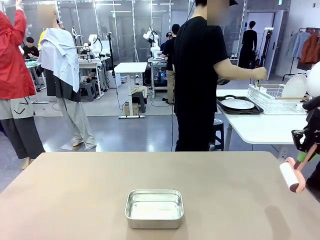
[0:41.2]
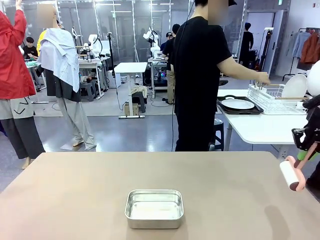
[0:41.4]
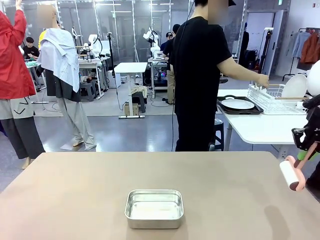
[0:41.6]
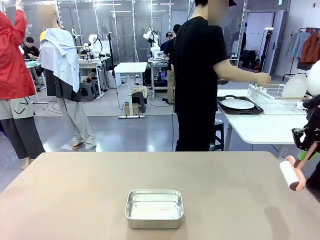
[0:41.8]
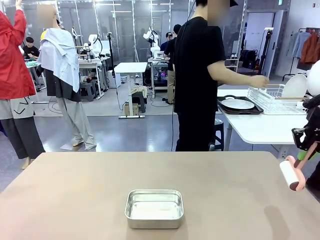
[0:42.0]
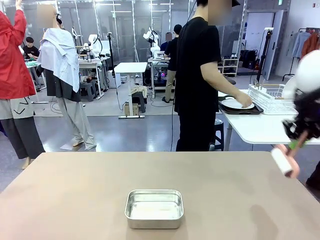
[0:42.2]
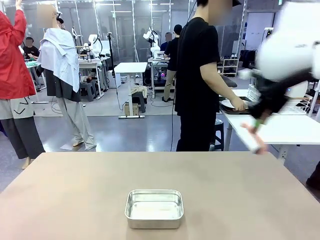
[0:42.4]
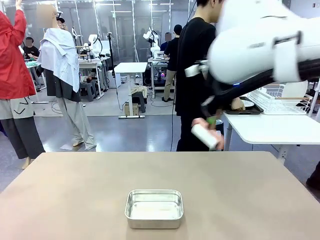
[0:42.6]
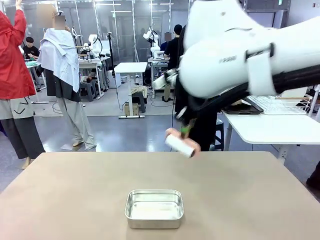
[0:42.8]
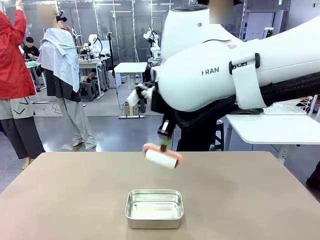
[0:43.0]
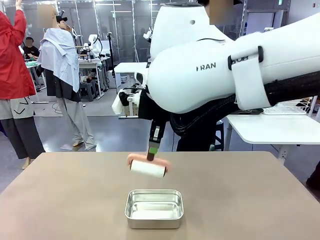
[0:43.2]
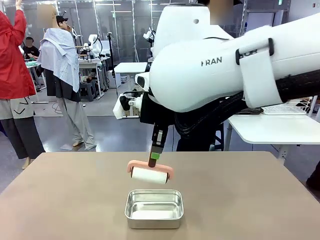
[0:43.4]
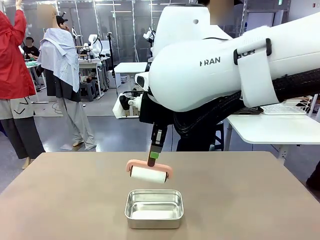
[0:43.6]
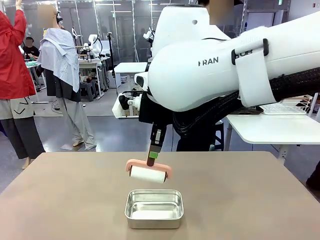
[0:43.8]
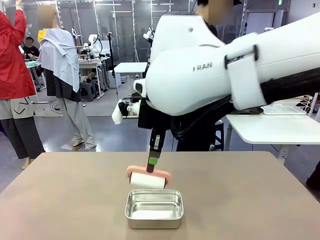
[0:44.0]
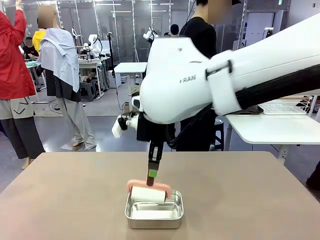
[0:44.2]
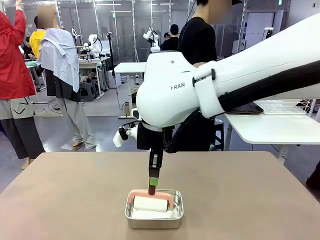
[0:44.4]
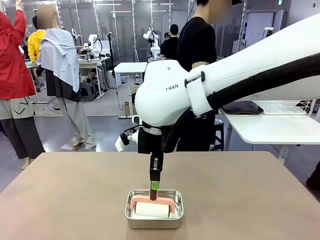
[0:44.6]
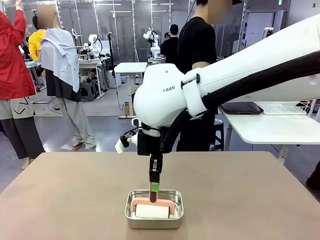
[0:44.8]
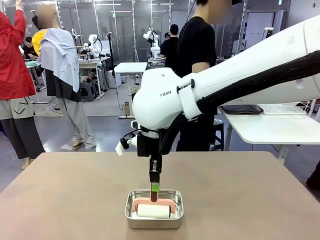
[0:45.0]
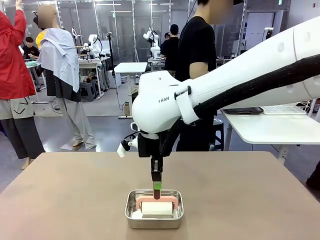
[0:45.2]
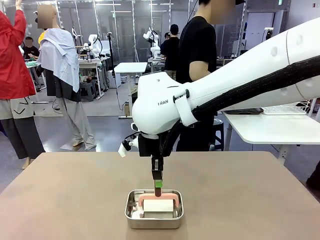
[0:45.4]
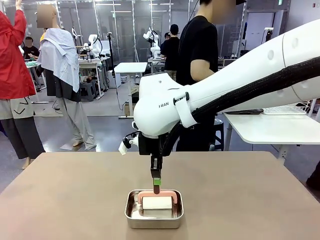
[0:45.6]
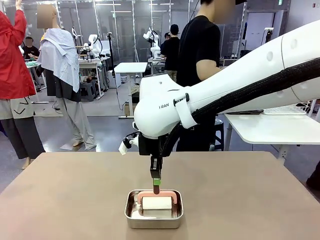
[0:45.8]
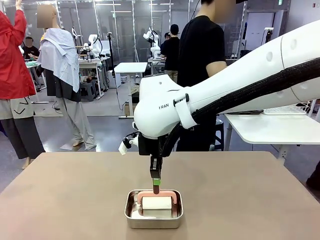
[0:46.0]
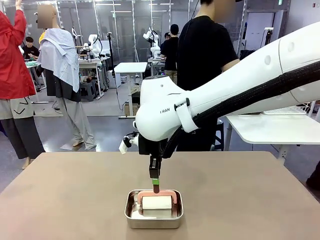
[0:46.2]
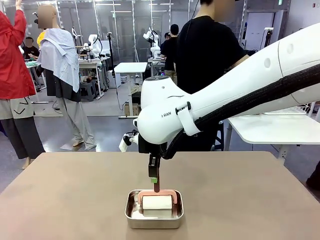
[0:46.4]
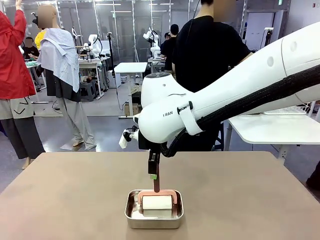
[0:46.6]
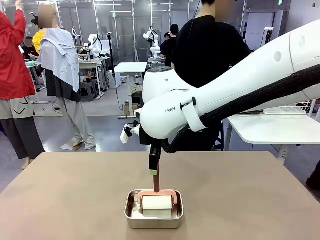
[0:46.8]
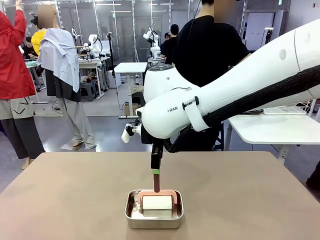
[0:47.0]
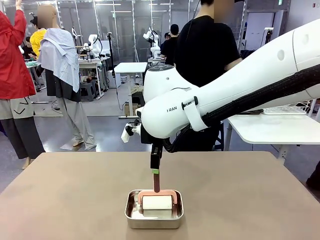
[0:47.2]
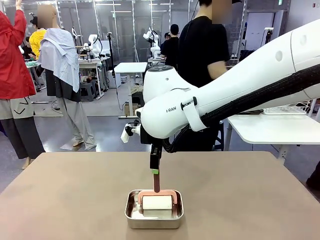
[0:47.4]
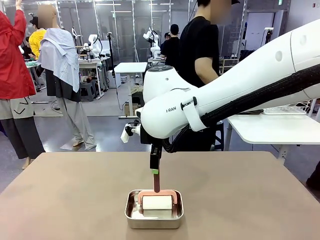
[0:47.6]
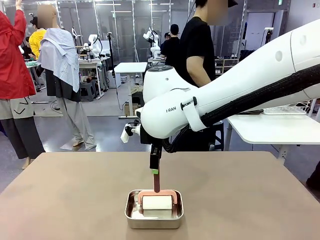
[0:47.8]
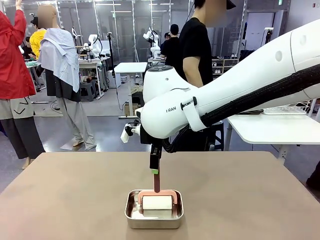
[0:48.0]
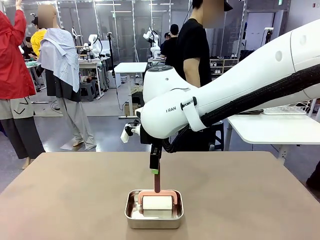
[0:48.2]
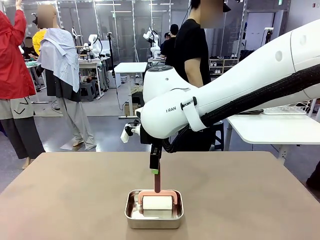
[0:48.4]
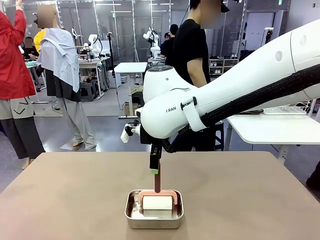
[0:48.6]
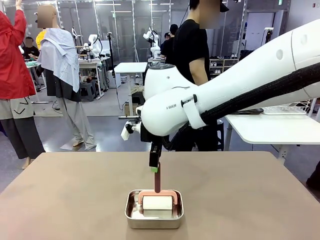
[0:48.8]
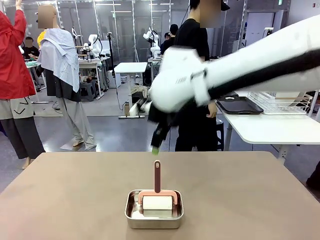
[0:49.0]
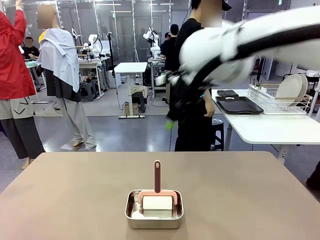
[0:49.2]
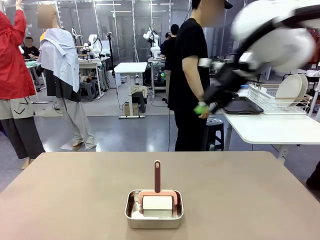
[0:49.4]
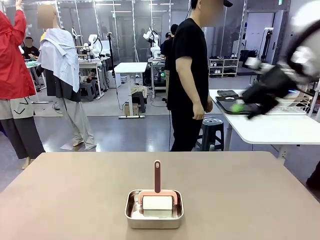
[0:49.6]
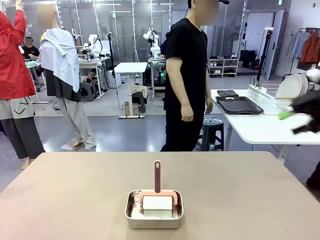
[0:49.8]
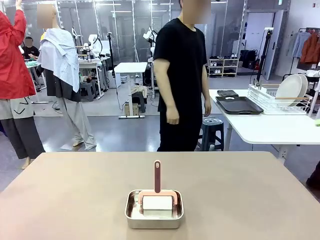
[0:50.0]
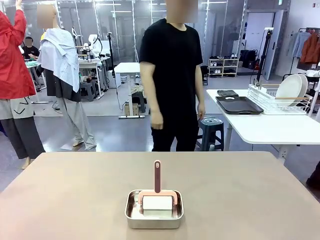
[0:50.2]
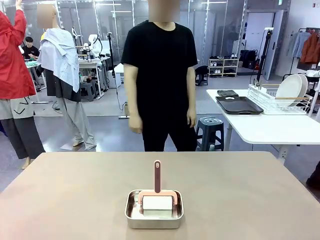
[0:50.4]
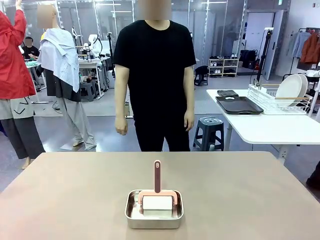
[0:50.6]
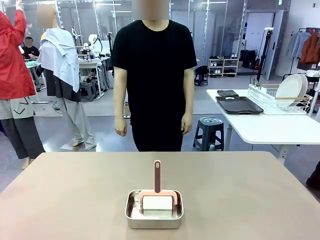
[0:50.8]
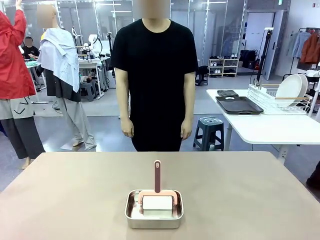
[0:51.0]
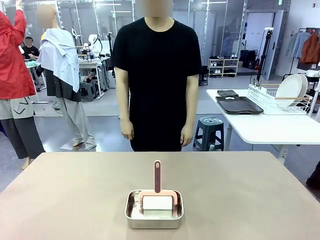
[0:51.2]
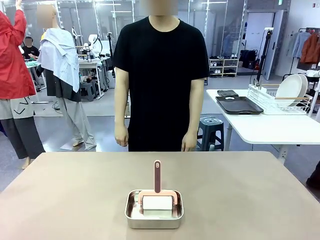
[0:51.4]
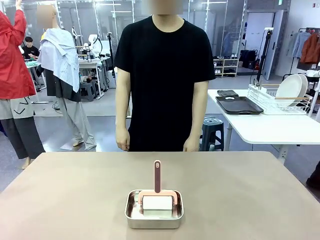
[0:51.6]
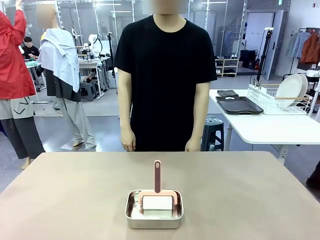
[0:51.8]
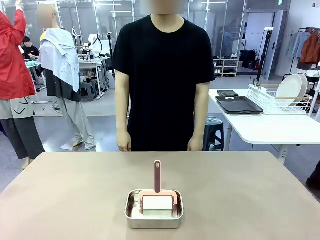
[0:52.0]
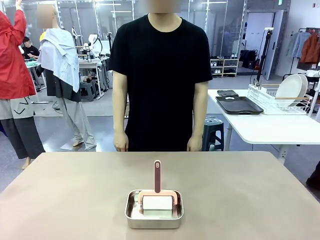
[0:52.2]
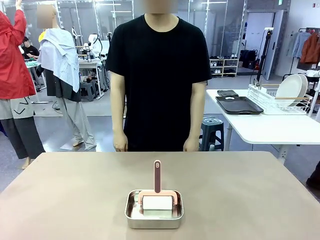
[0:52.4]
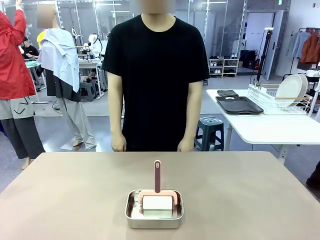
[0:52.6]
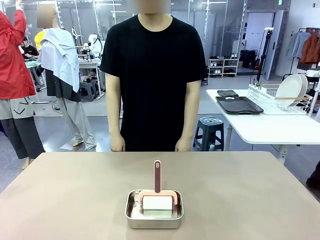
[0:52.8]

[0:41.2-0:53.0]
Robot: Place the Lint Roller back on top of the Airtight Container.
Person: Use the Towel with hook to wipe the Plastic Matte Plate , Fork , and Knife and place into the Dish drying rack.

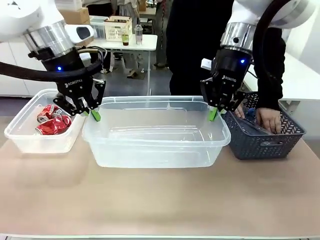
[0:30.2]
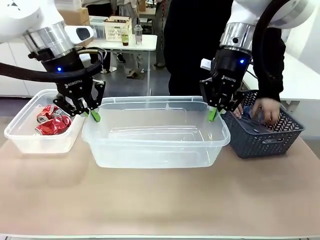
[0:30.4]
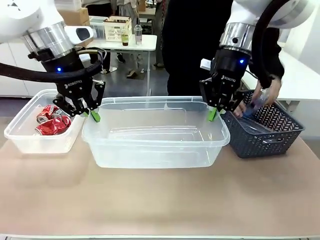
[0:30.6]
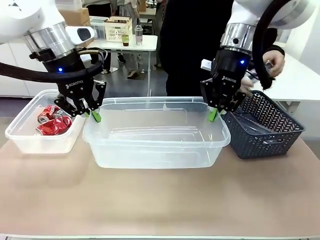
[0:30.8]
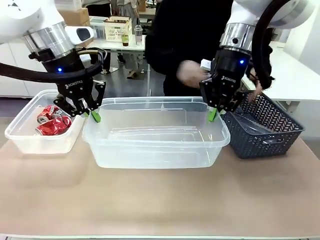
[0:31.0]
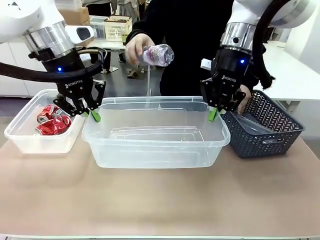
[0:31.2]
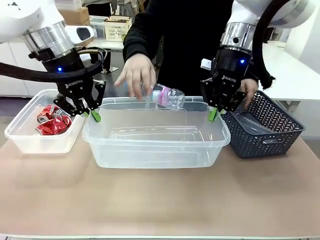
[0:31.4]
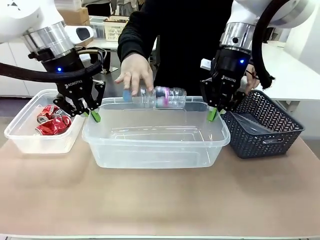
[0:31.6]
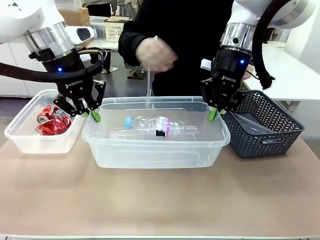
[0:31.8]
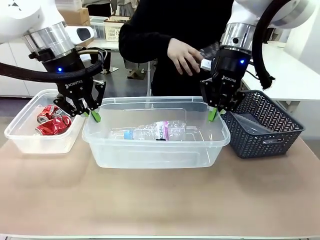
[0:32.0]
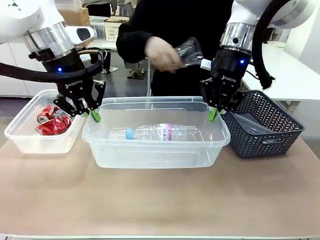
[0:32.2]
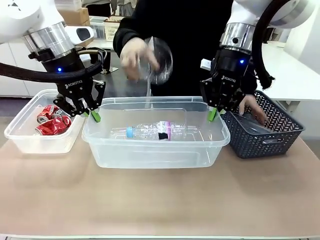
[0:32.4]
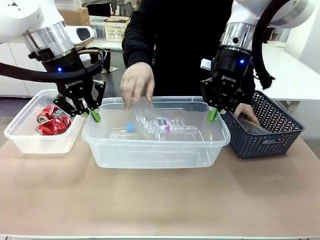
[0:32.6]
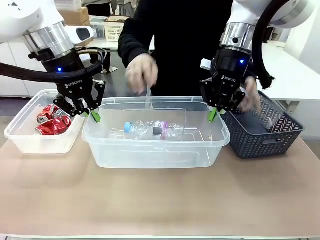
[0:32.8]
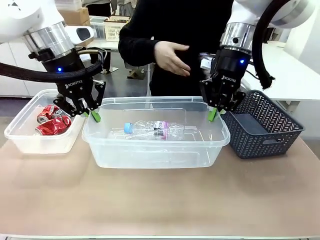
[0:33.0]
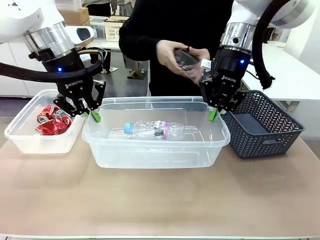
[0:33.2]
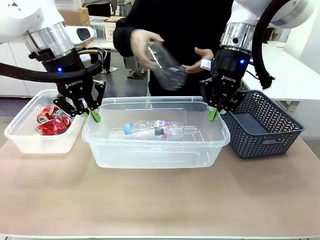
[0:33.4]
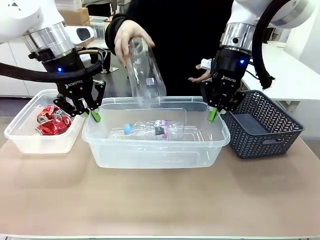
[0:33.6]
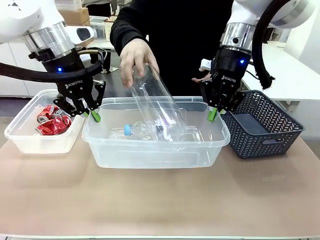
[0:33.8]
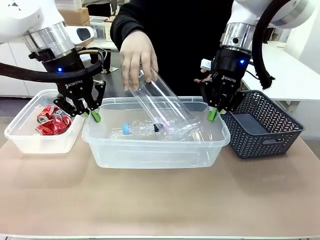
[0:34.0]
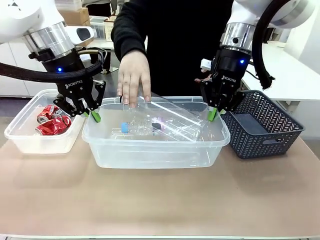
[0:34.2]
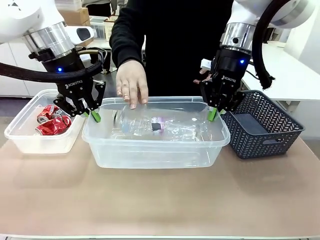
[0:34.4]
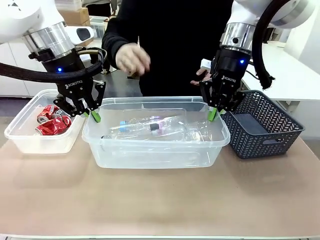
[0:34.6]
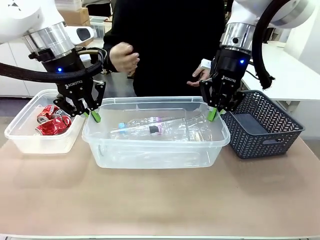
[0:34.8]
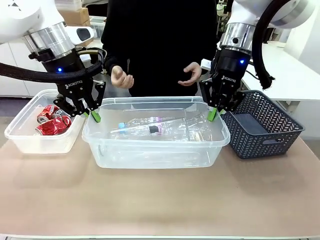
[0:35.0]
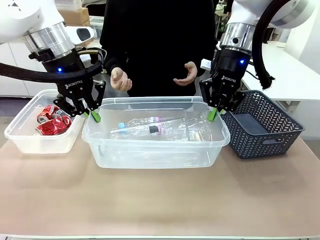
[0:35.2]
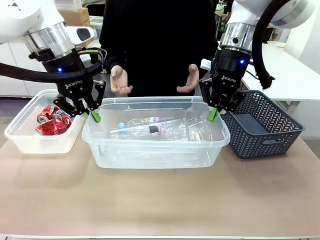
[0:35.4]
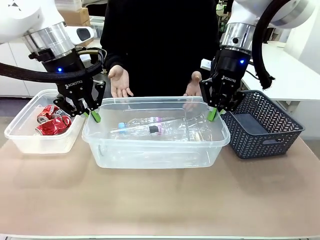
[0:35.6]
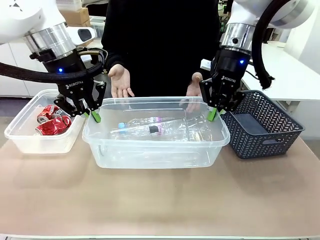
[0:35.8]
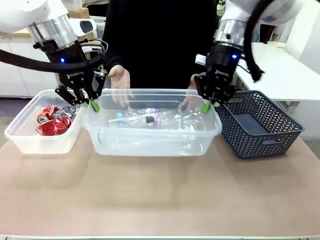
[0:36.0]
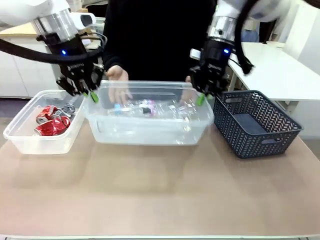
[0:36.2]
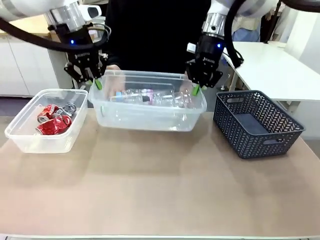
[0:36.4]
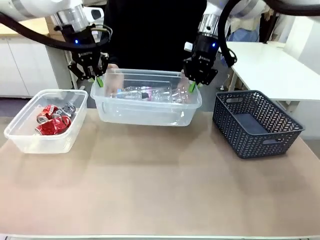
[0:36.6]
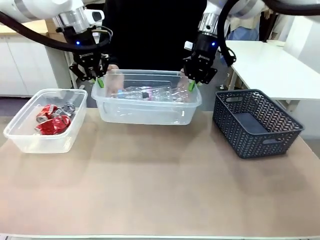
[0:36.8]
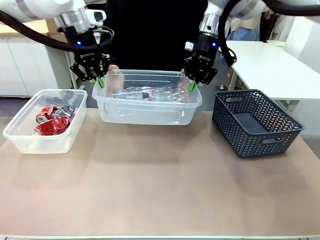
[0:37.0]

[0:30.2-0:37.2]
Robot: Offer the picked Organizing box to the human.
Person: Pick up the organizing box extended by the robot.

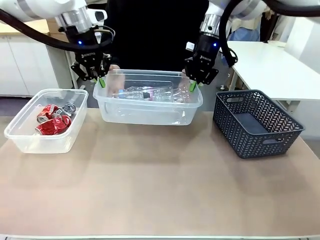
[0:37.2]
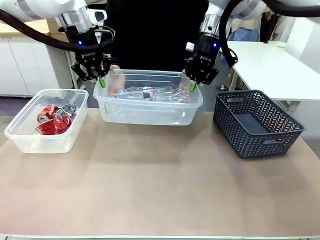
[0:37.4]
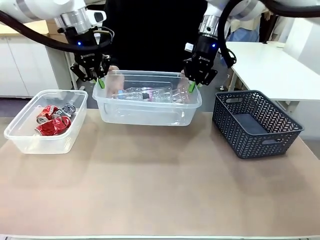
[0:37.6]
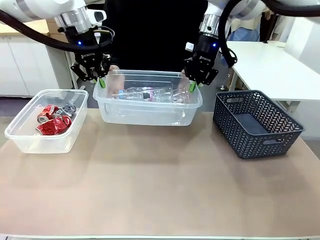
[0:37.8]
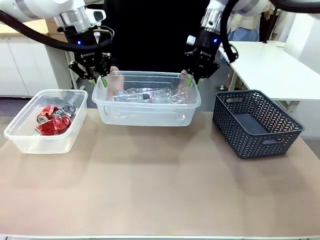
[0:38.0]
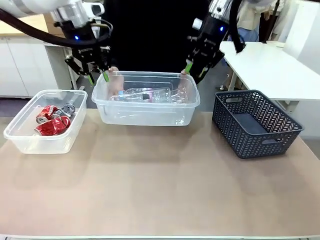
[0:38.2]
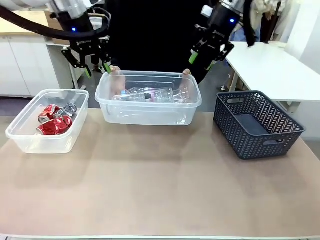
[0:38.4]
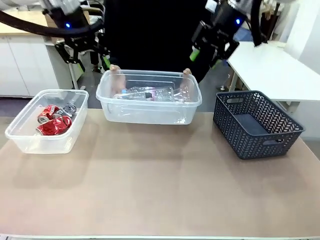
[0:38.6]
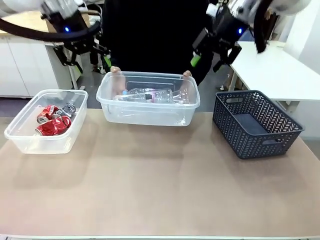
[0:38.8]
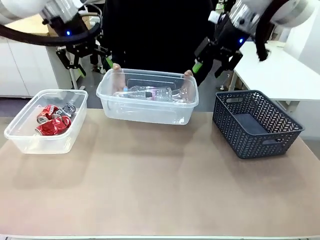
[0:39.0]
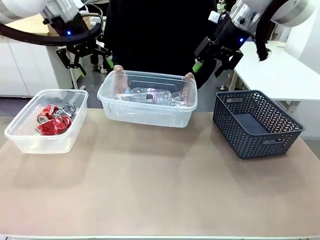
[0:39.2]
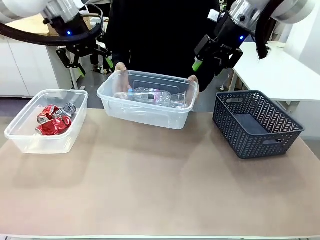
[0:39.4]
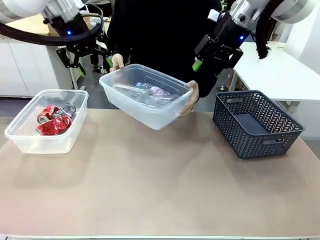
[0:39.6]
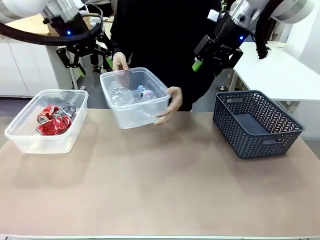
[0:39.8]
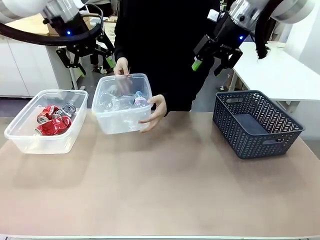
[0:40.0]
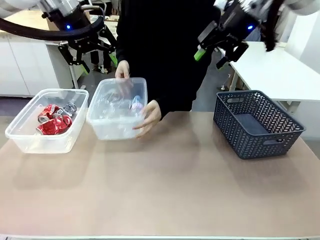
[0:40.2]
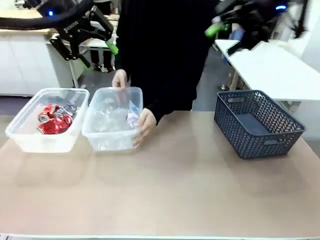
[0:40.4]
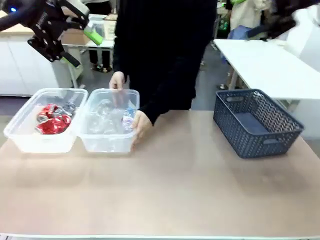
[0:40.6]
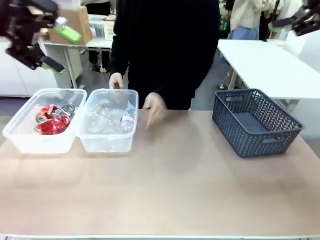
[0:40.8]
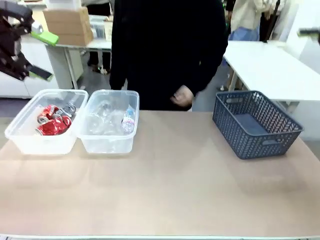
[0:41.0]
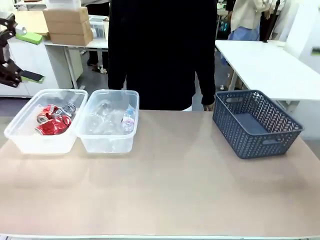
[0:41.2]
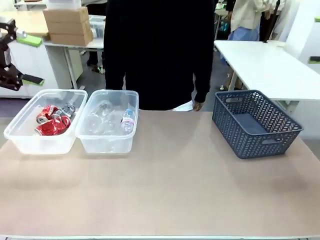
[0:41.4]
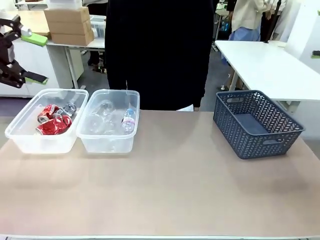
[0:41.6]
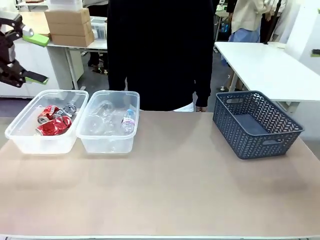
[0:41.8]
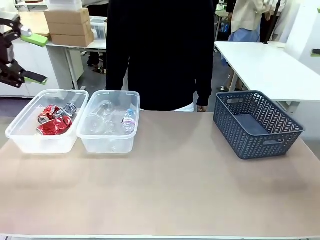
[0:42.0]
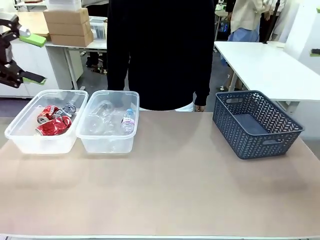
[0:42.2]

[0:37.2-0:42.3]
Robot: Release the Organizing box you were holding.
Person: Place the organizing box to the left of the sorting box containing the can waste.
